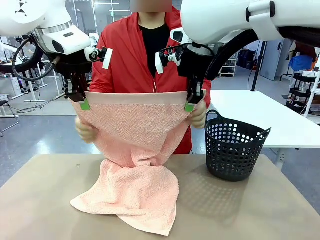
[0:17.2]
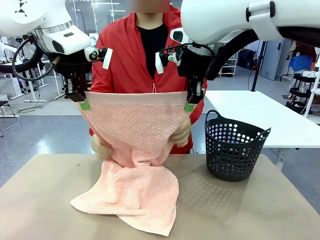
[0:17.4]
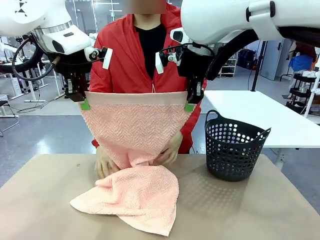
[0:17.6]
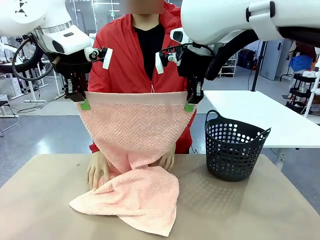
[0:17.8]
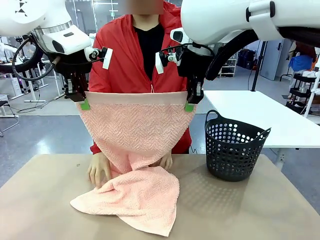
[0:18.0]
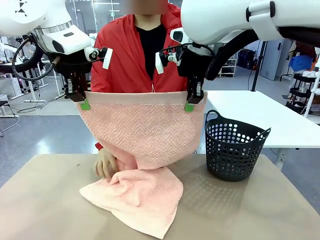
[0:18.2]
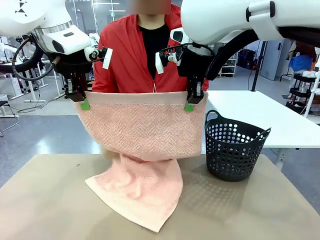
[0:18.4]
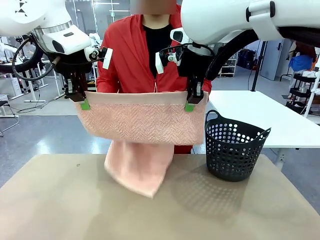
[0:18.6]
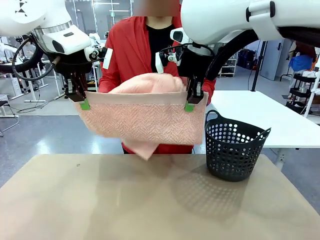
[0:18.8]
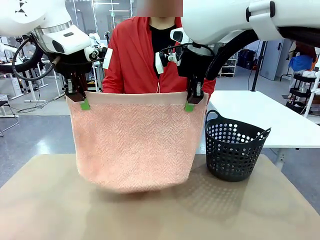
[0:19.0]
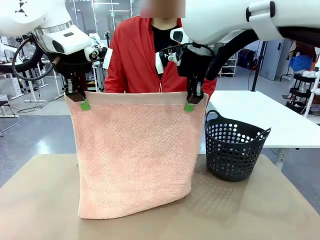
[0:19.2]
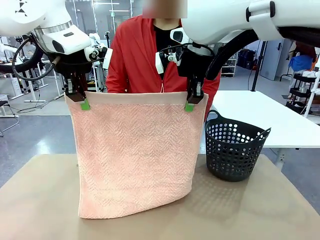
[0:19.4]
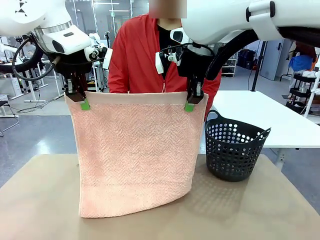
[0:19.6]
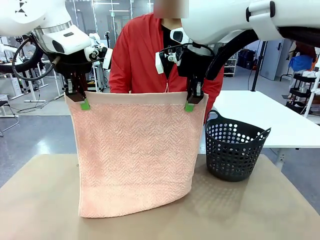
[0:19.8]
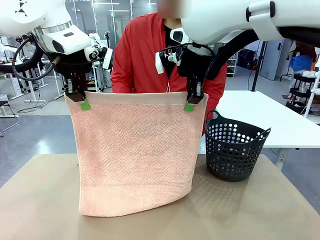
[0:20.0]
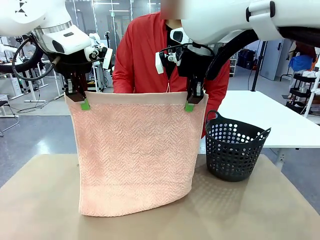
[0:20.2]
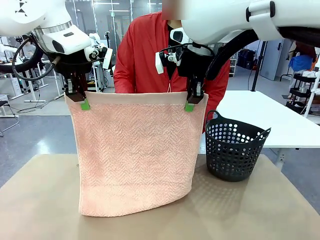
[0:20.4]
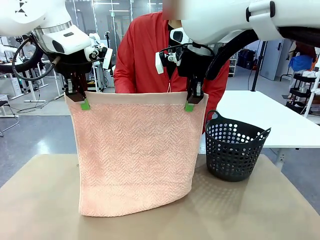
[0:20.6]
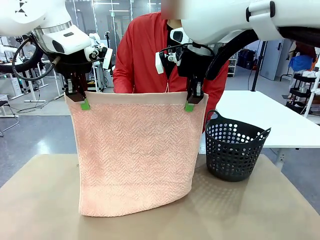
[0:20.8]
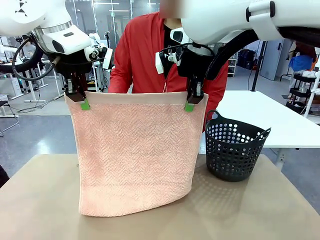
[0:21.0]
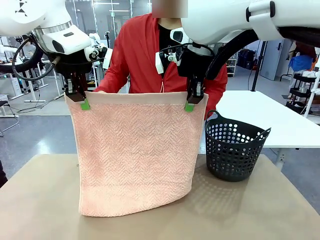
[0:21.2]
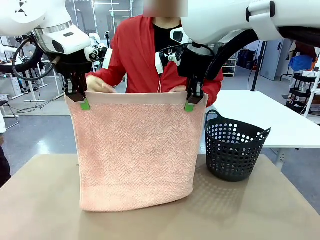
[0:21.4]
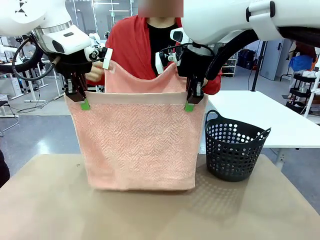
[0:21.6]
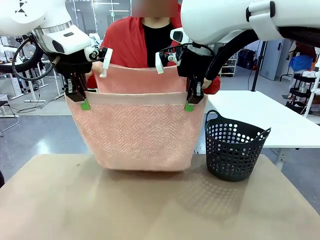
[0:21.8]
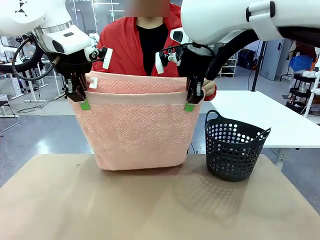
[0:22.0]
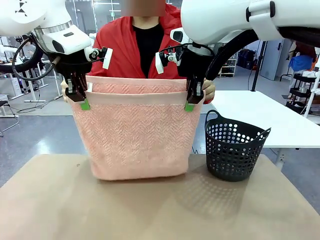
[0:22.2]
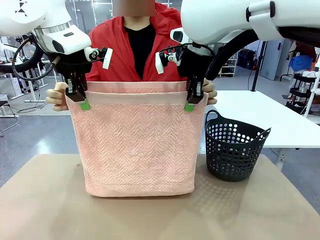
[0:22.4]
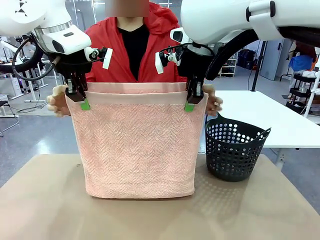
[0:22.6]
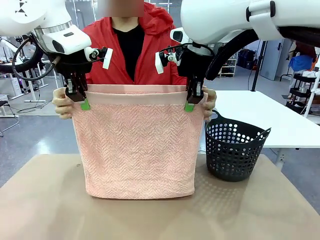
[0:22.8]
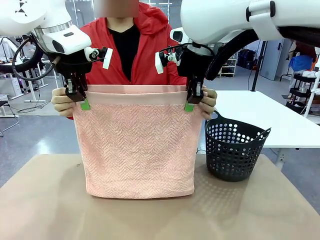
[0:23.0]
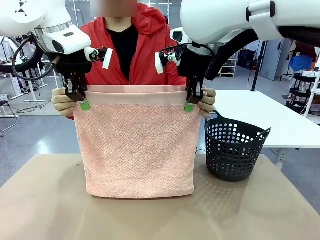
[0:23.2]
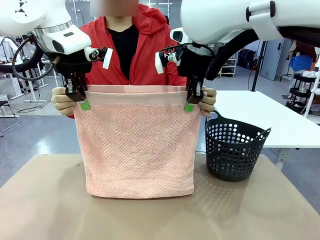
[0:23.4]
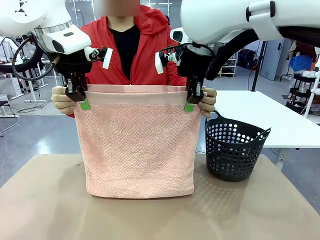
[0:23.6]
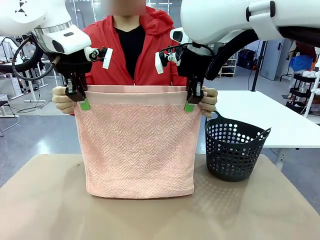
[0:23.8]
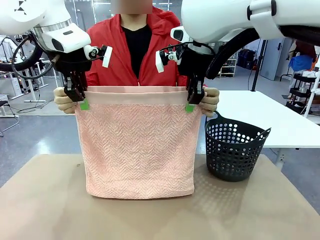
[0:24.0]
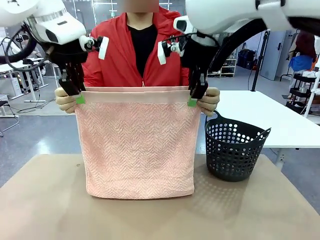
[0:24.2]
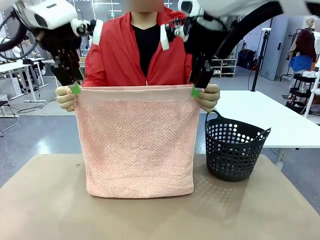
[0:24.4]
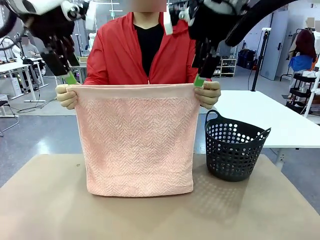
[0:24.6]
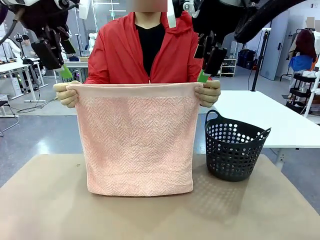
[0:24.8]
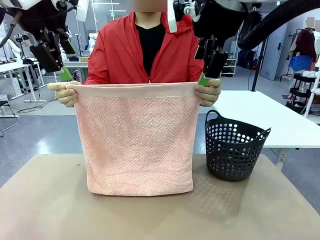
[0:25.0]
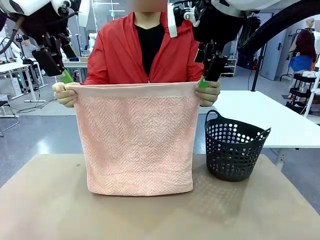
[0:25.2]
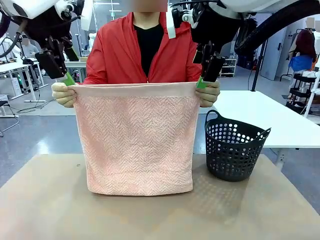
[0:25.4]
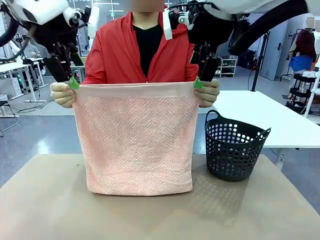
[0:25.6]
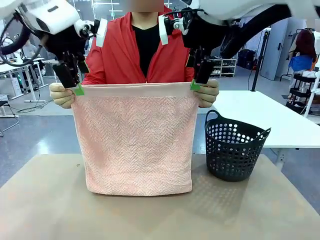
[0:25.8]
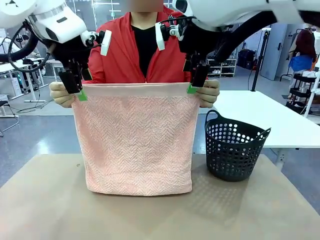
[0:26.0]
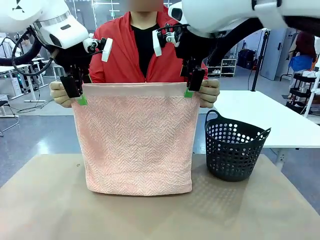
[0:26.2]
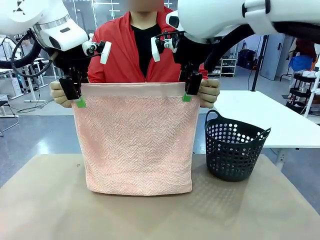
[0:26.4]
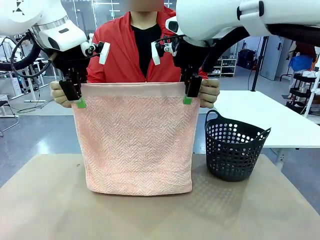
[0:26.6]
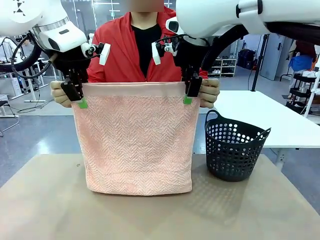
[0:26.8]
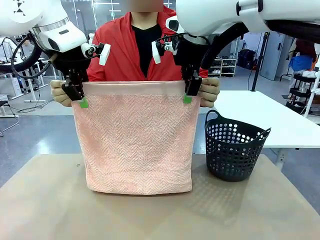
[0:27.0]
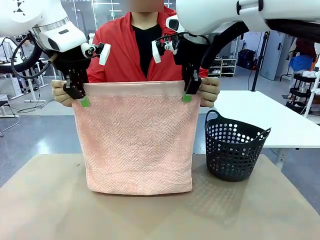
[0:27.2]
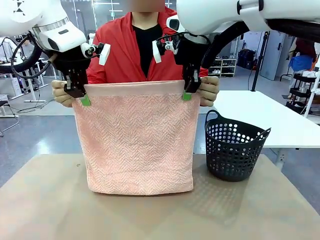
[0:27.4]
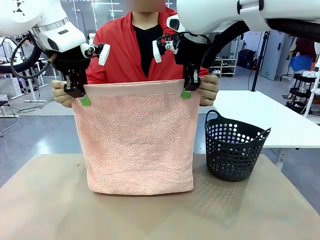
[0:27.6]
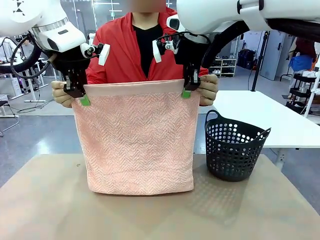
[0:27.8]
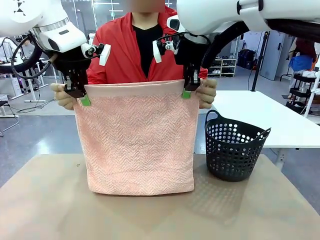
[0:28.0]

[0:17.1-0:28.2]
Task: Fold the towel.
Robot: Release the end of the 100 cm Hotel Towel you were holding and grab the top end of the folded side.

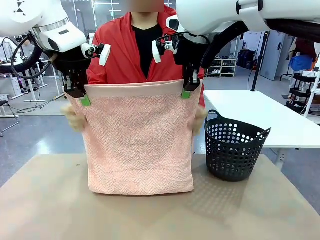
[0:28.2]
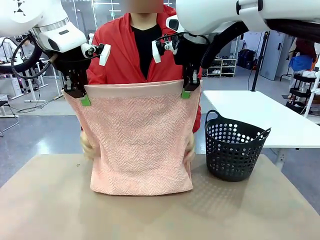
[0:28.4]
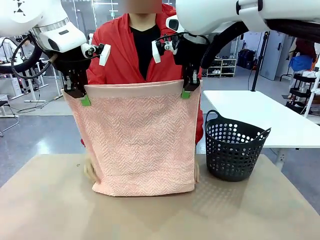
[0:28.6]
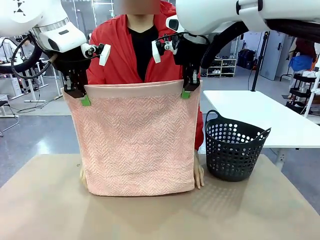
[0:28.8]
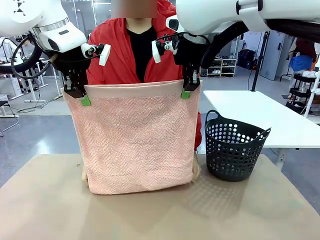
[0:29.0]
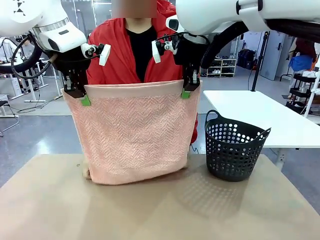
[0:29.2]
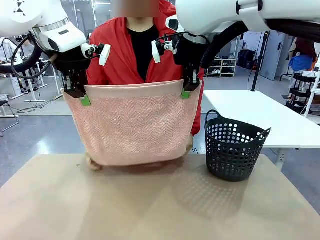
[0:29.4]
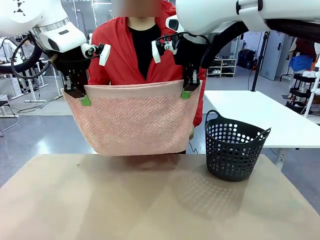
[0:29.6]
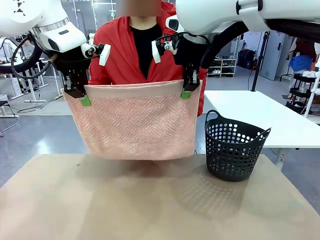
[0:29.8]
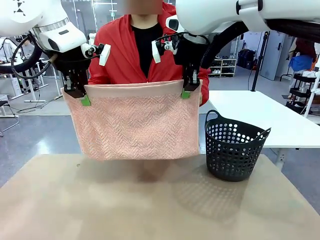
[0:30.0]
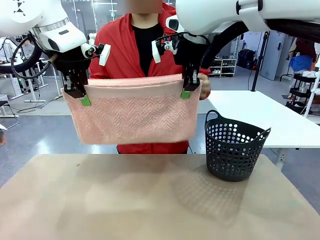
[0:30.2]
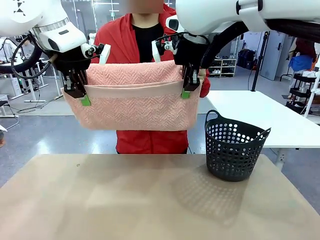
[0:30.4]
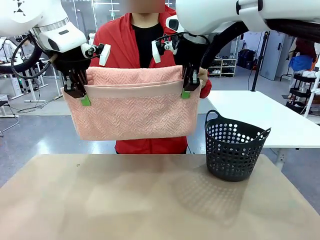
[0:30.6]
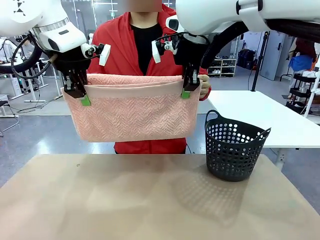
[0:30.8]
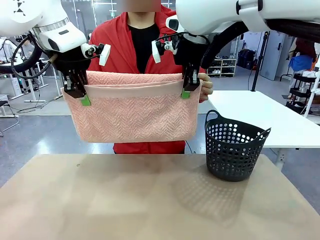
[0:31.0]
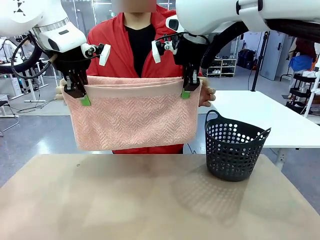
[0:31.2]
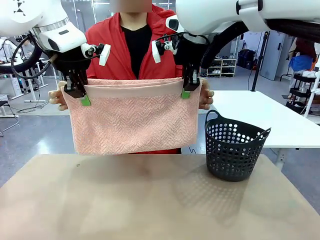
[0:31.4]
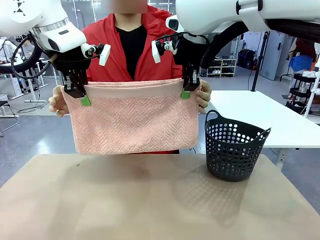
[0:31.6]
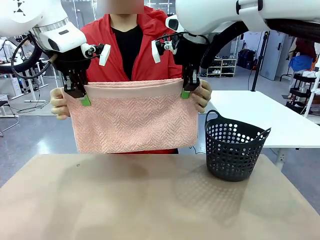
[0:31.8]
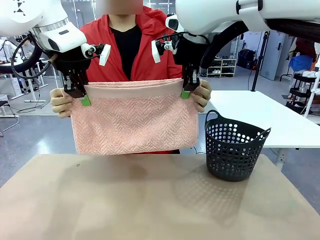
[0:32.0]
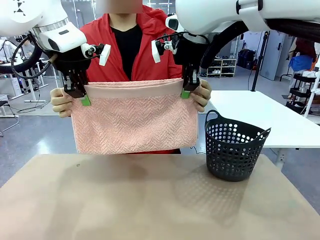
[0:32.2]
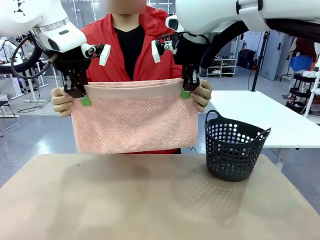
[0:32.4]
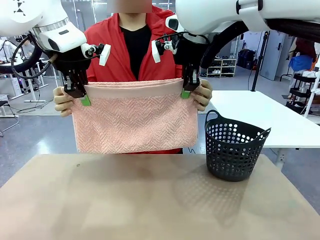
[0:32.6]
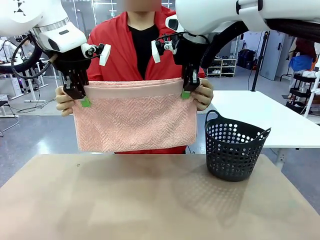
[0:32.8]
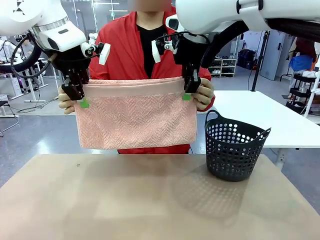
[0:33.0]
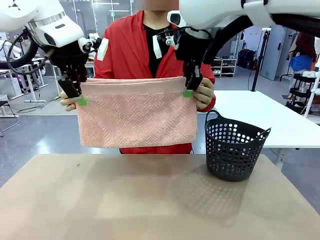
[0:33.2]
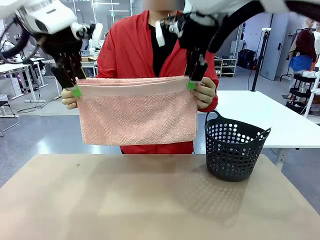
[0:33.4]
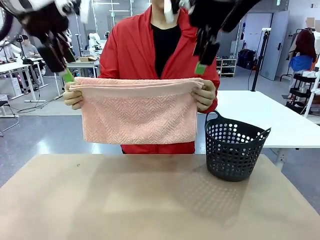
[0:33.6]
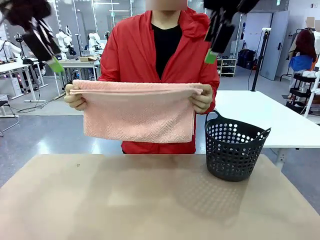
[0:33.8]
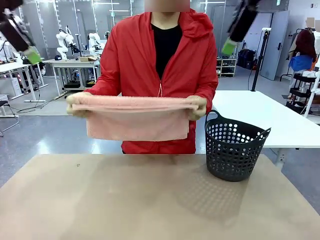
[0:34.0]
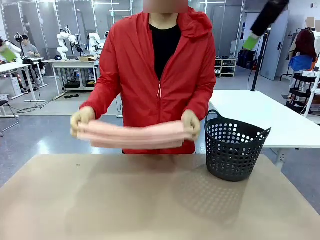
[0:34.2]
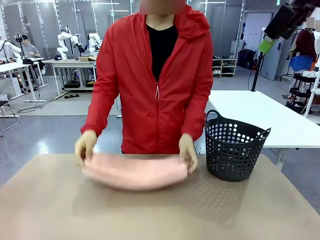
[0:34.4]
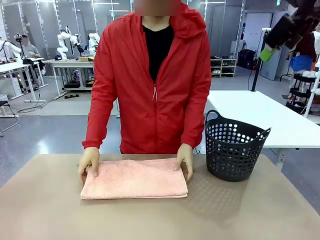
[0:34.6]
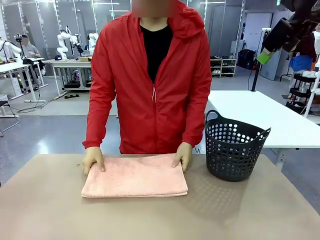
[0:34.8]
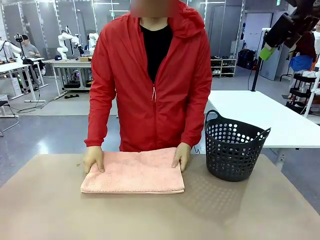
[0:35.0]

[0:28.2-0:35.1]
Robot: Release the end of the 100 cm Hotel Towel you were holding.
Person: Place the towel at the center of the robot table and fold it in half.
